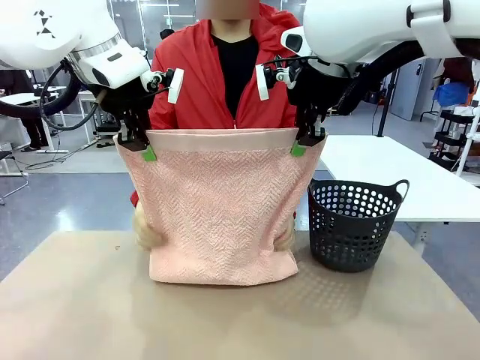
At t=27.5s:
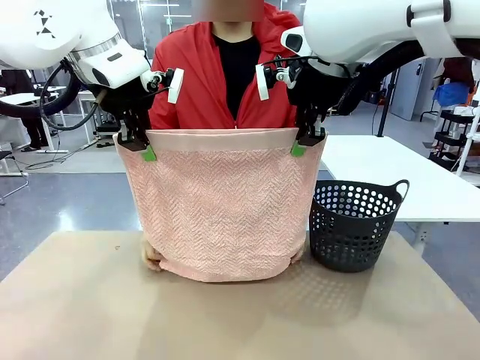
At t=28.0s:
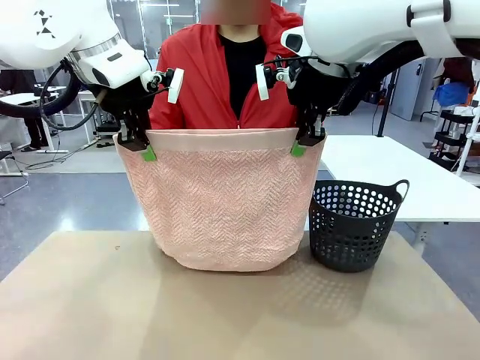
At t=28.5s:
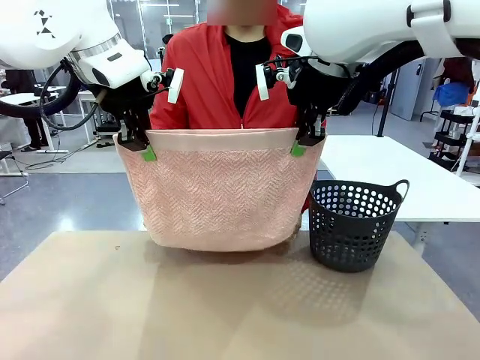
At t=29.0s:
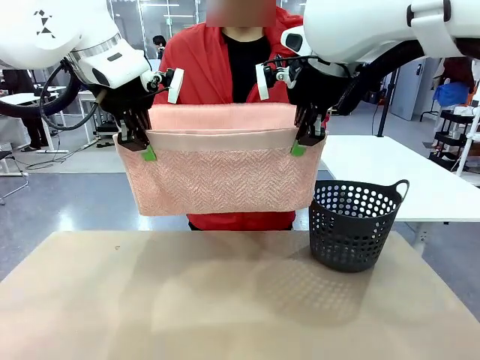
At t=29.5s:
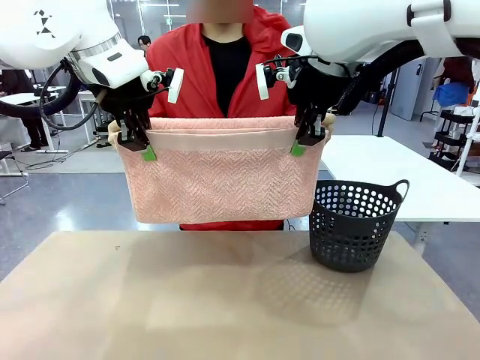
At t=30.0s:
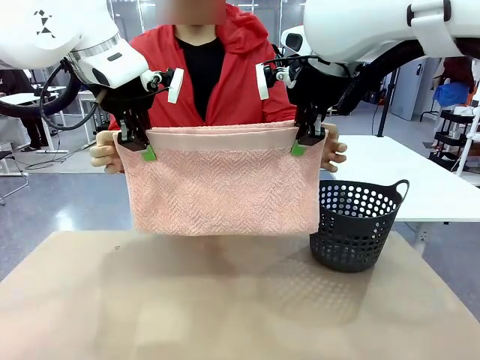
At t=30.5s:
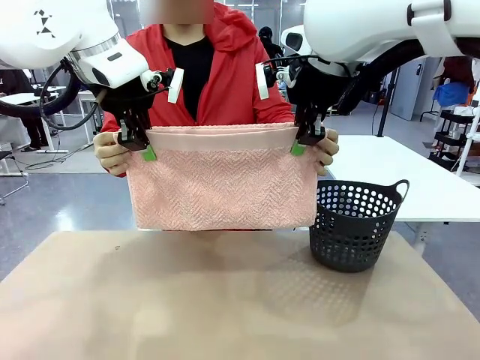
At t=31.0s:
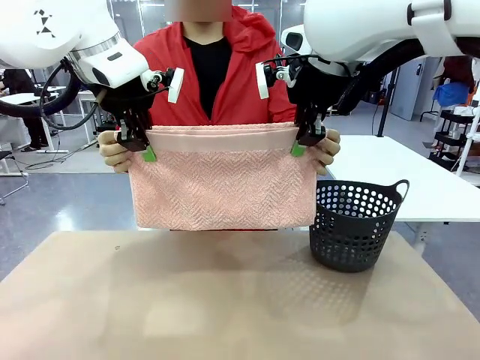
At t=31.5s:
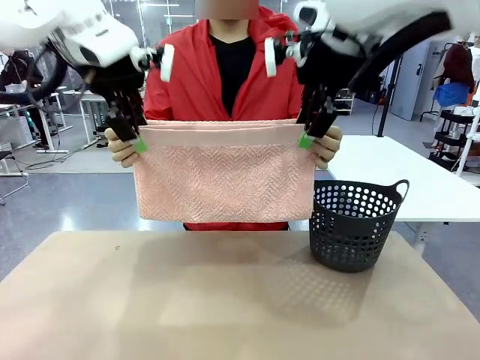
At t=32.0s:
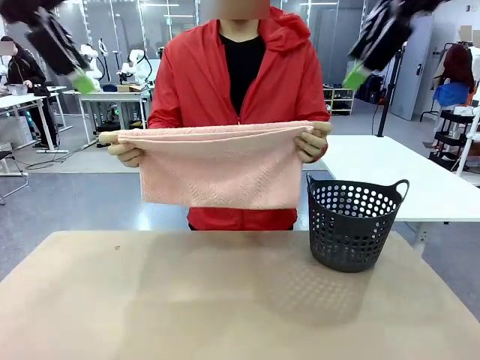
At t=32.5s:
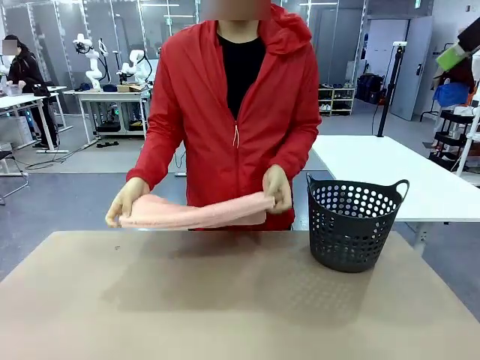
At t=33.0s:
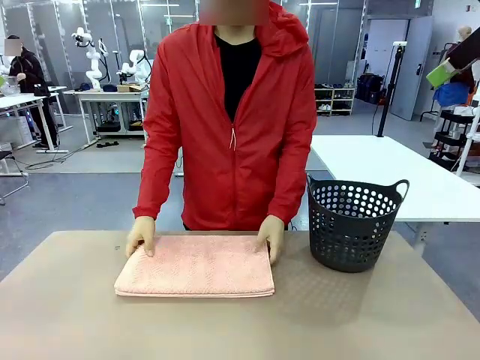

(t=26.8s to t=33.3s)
Task: Fold the towel.
Robot: Release the end of the 100 cm Hotel Towel you were holding.
Person: Place the towel at the center of the robot table and fold it in half.

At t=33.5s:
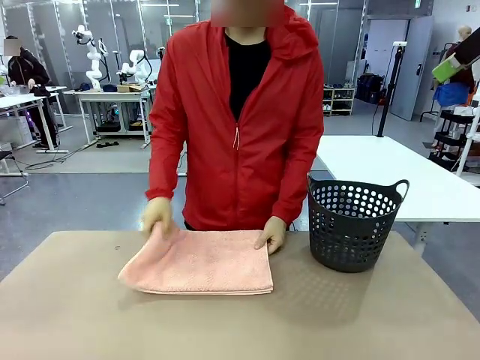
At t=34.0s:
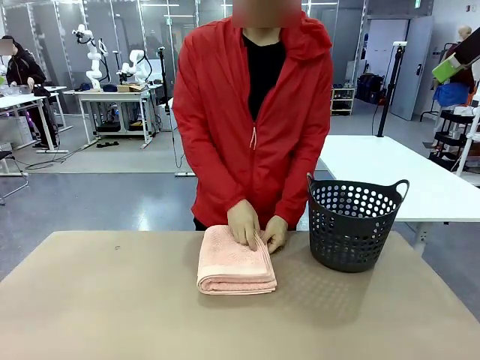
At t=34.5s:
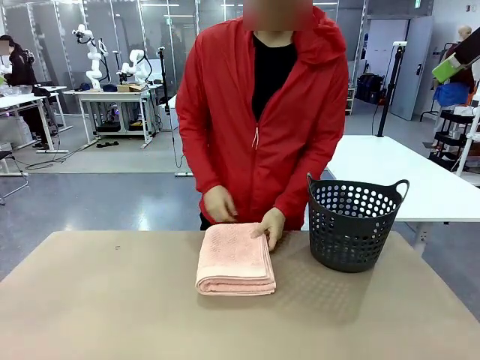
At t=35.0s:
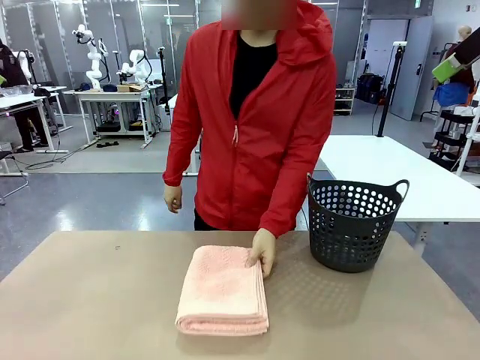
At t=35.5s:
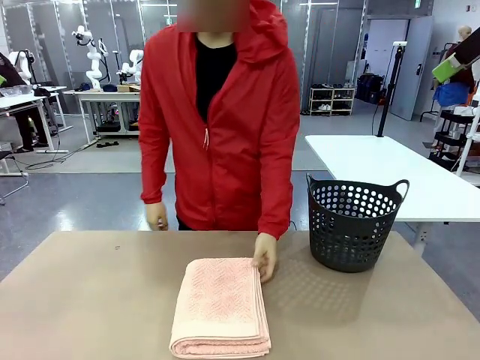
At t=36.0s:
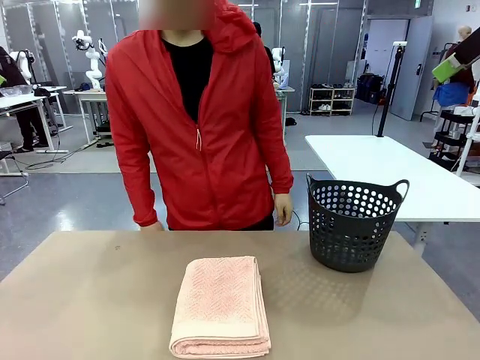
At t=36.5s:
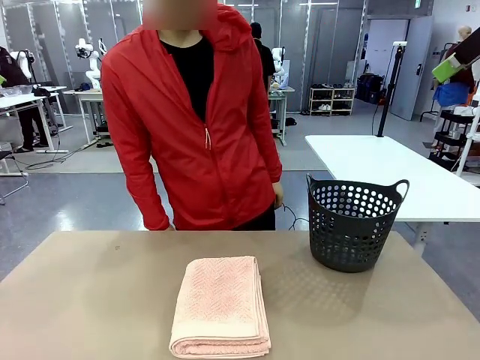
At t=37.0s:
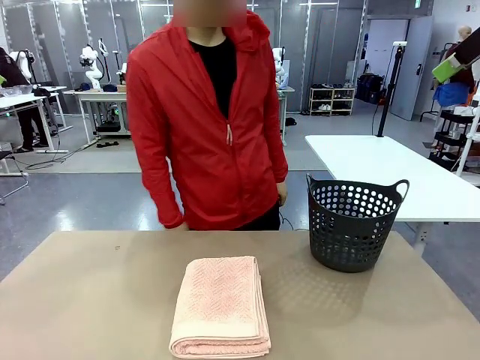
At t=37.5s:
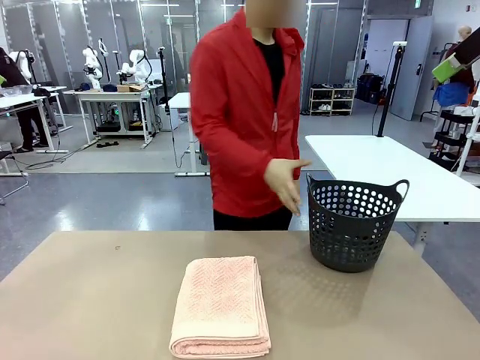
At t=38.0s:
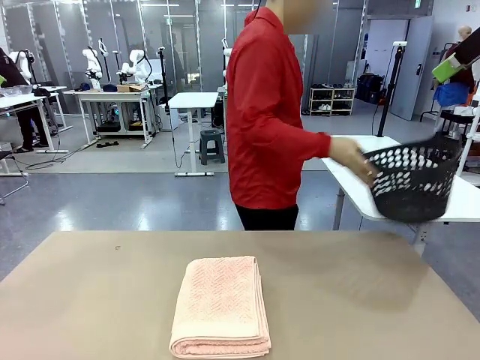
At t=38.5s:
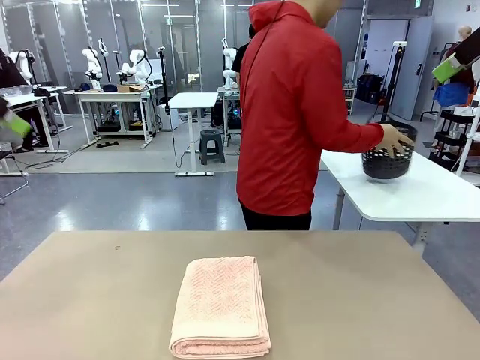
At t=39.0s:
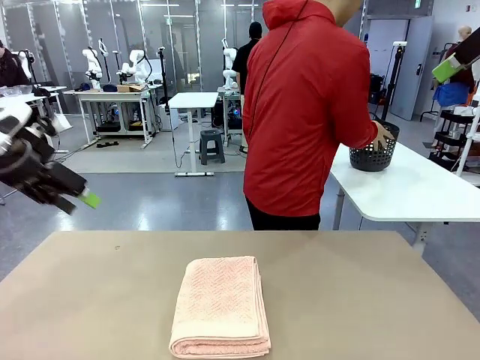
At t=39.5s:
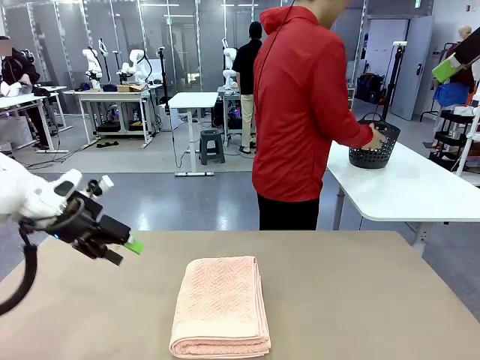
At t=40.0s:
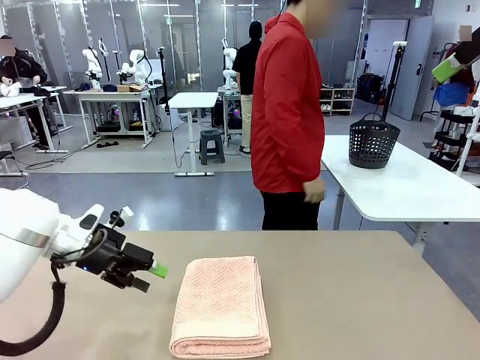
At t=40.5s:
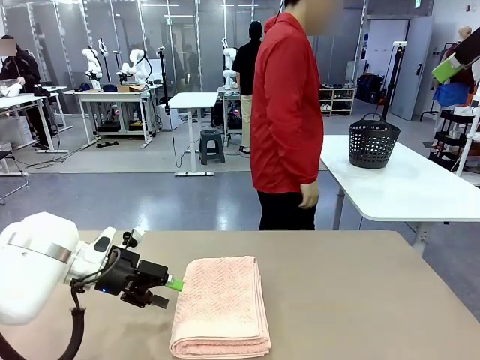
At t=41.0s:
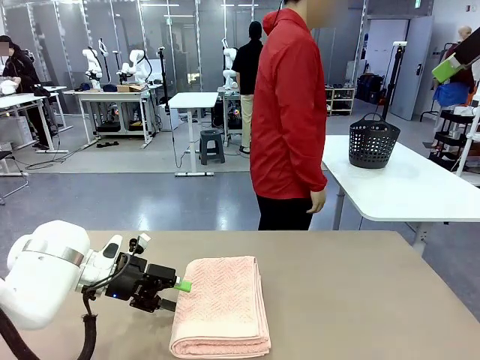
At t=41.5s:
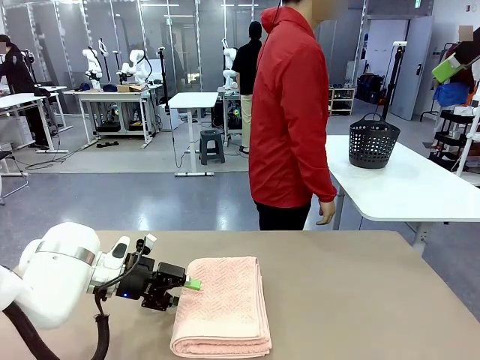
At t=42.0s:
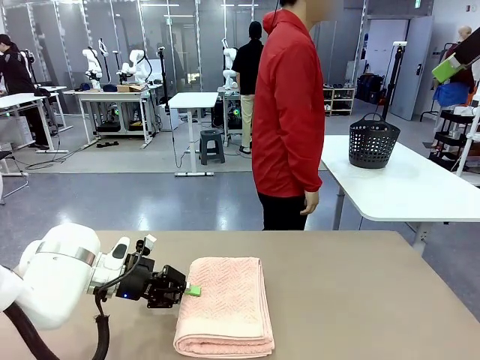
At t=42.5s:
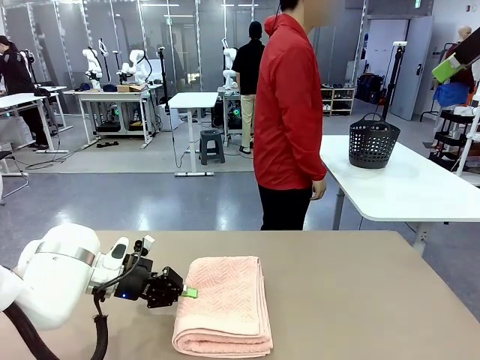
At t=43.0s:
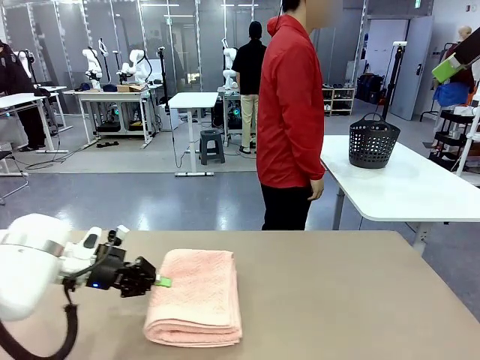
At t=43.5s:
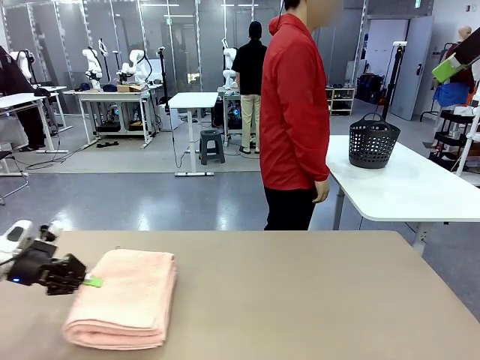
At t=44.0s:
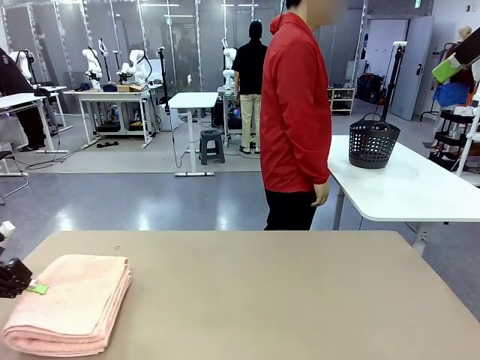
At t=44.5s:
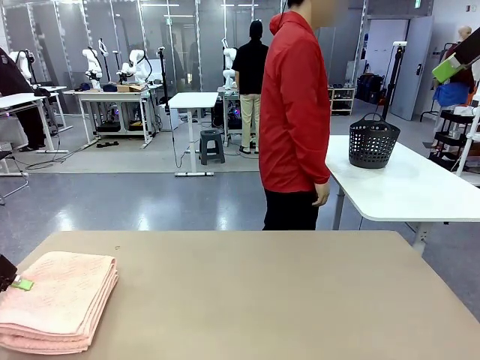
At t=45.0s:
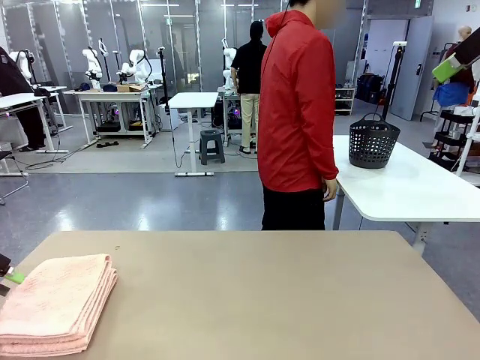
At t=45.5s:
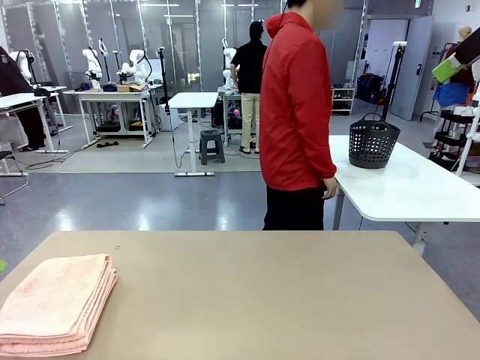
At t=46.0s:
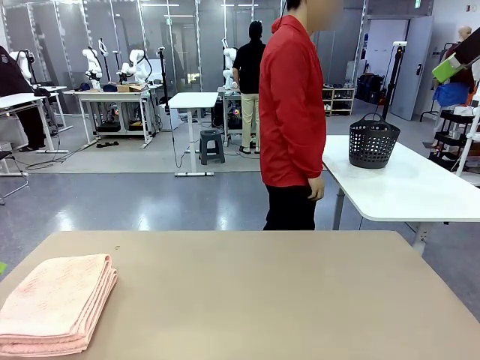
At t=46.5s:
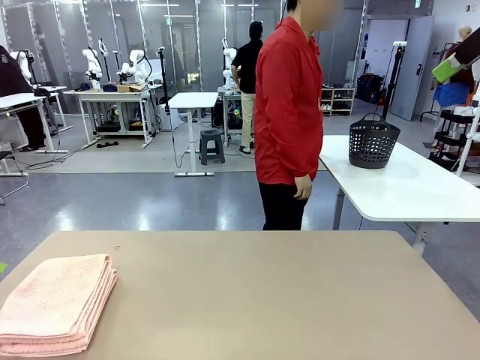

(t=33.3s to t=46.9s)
Robot: Pick up the 100 cm Hotel Towel and place it on the left side of the table.
Person: Pick up the laundry basket and place it at the center of the human table.

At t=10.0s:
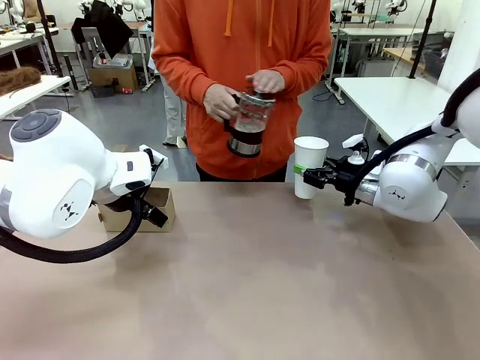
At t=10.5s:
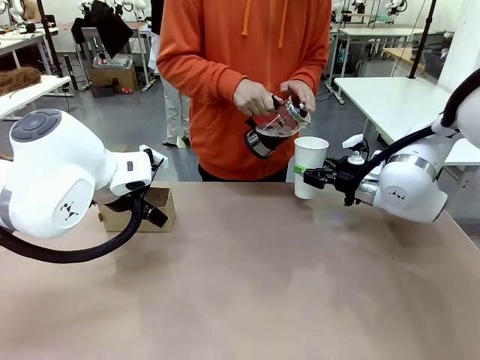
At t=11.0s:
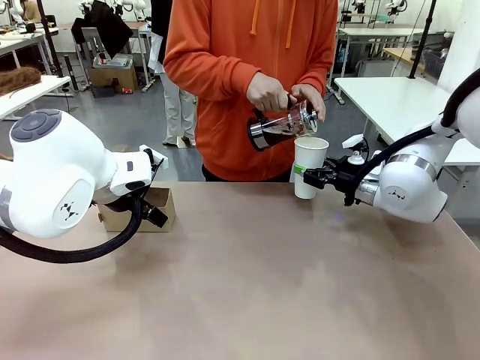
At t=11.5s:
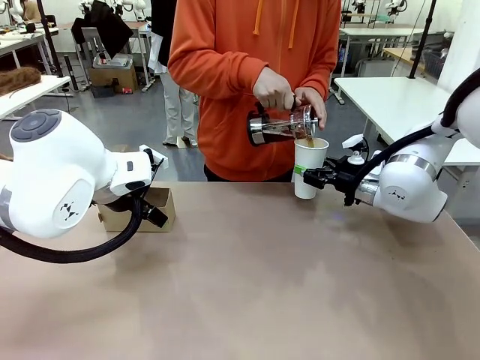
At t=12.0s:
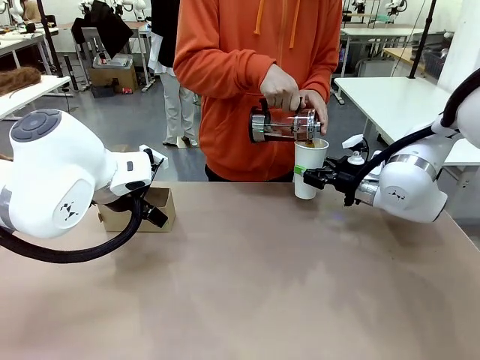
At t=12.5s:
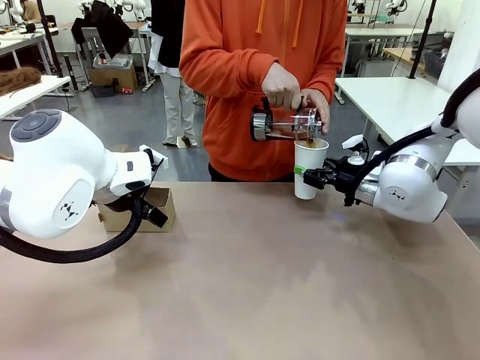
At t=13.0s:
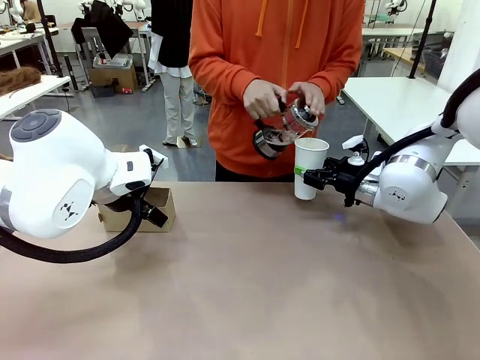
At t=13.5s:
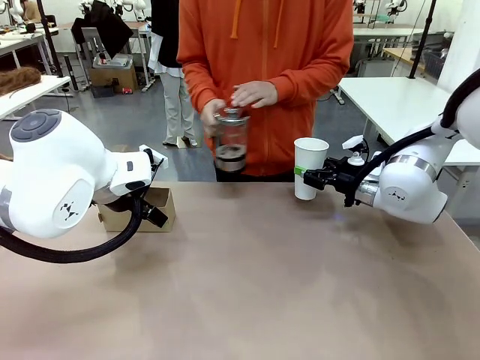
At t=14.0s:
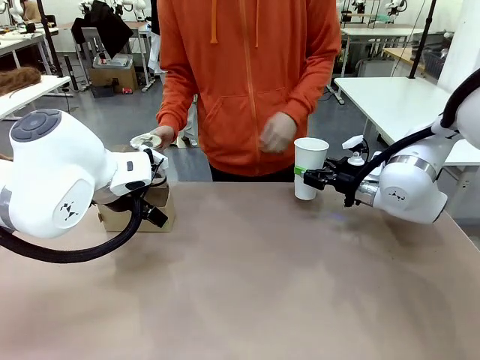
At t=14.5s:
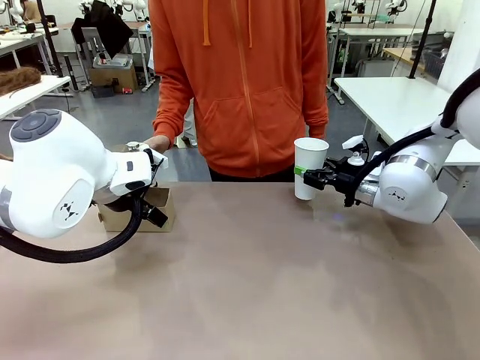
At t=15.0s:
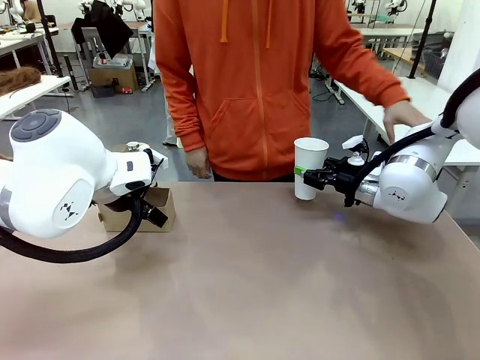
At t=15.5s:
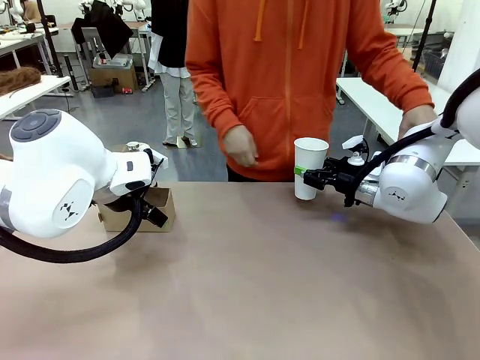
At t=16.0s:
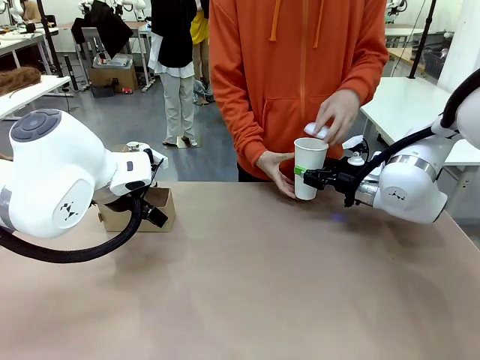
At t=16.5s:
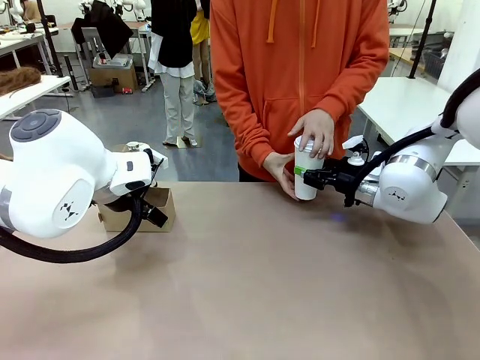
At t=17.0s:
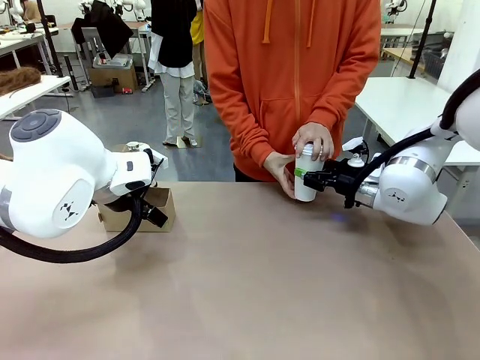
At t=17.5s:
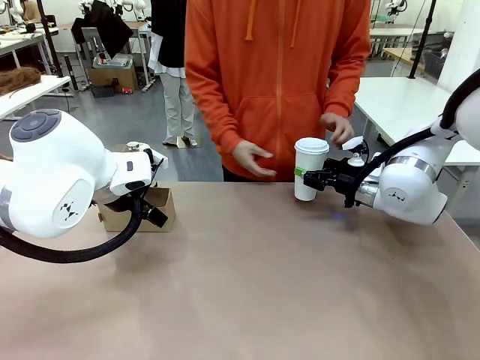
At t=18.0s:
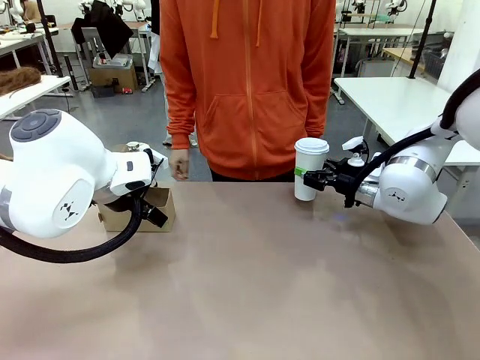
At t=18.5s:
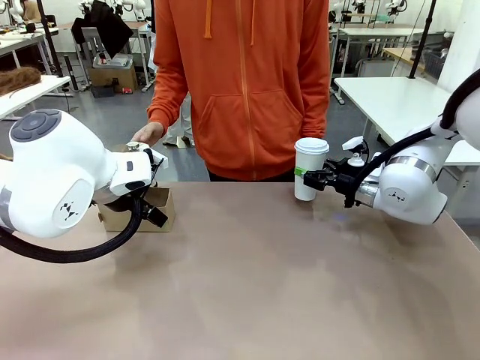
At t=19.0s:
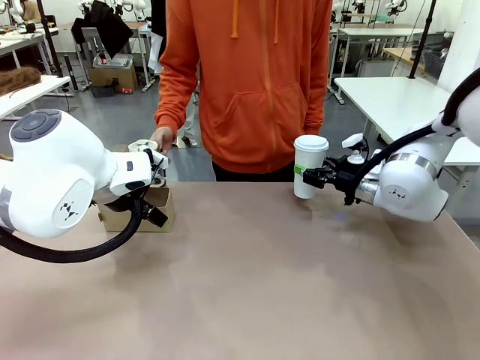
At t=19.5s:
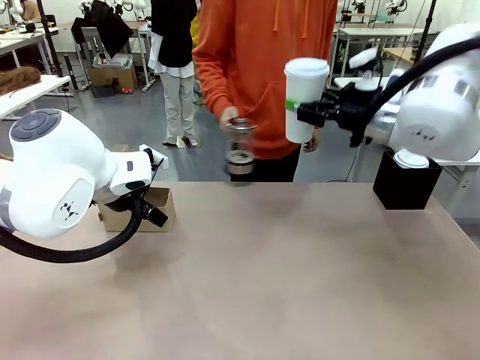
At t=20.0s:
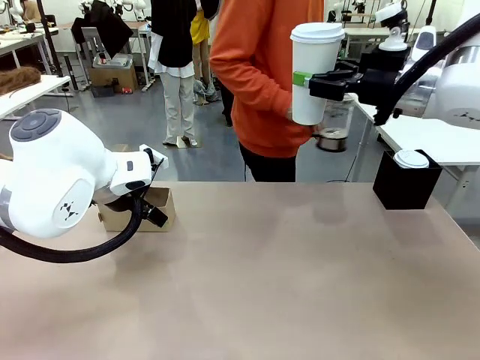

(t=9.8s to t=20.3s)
Task: Pour a drink into a cup and package it in a carrier.
Robot: When a person places the Paper Cup Lid on the 600 ml Paper Cup , lift the 600 ml Paper Cup.
Person: Pour the drink from the Filter Brewing into the 600 ml Paper Cup. Place a Paper Cup Lid on the 600 ml Paper Cup.
